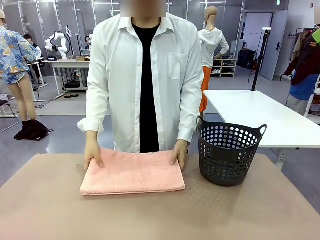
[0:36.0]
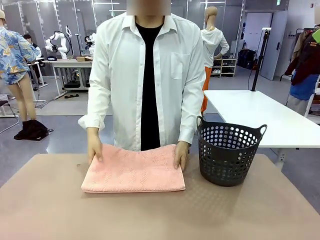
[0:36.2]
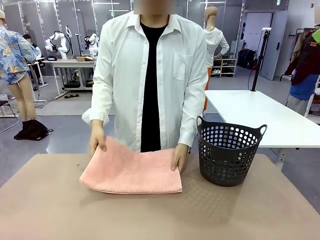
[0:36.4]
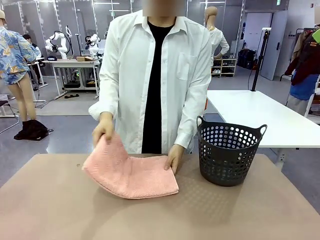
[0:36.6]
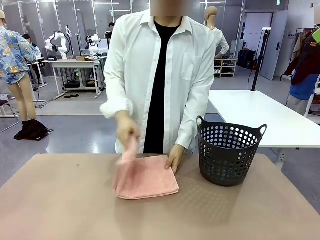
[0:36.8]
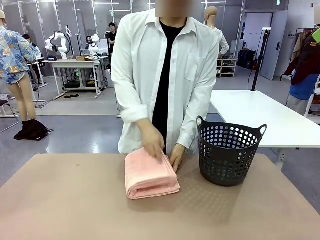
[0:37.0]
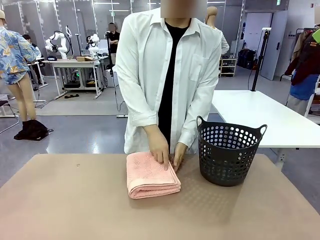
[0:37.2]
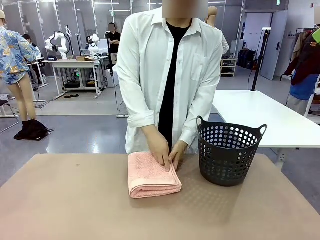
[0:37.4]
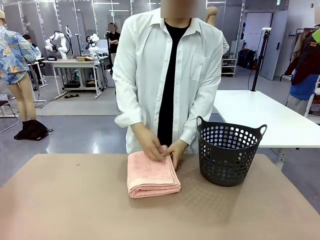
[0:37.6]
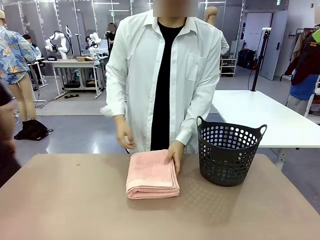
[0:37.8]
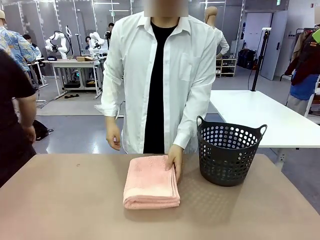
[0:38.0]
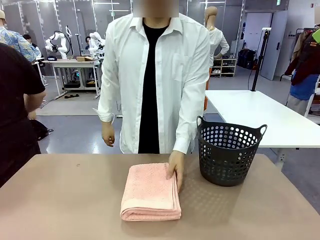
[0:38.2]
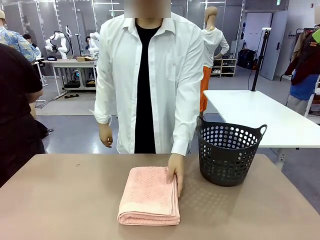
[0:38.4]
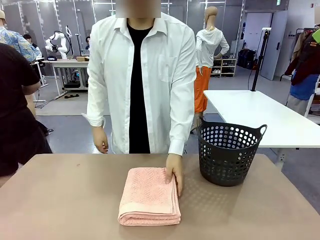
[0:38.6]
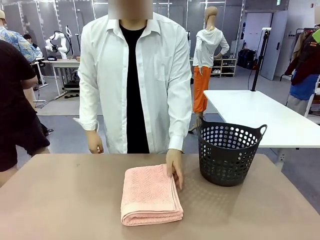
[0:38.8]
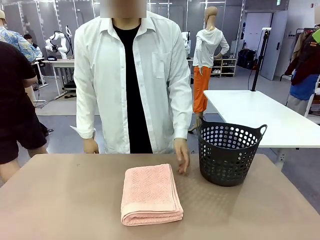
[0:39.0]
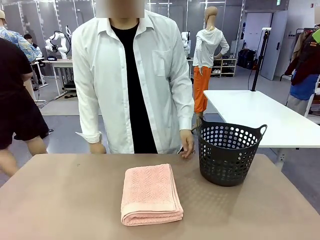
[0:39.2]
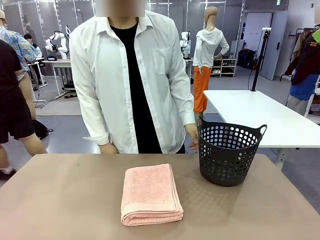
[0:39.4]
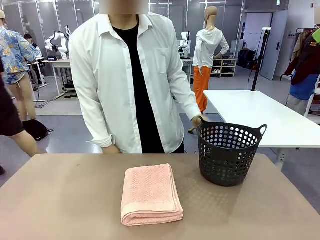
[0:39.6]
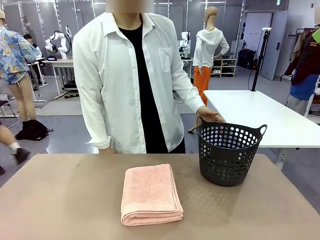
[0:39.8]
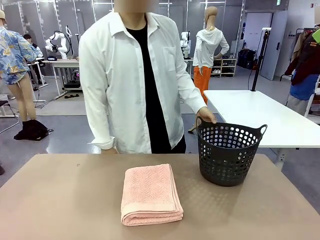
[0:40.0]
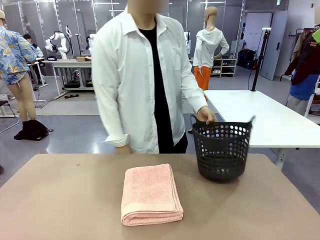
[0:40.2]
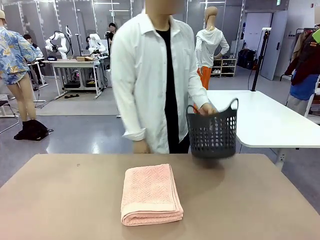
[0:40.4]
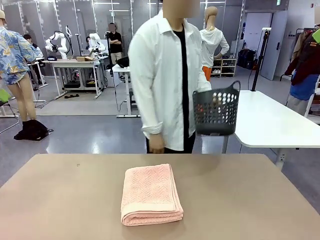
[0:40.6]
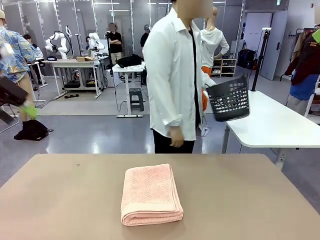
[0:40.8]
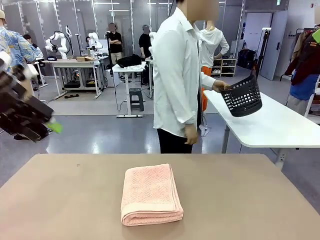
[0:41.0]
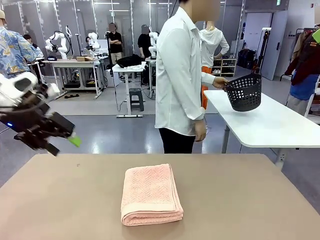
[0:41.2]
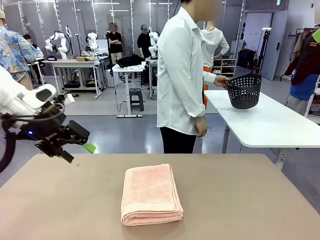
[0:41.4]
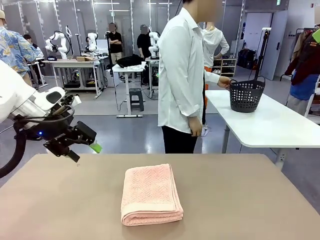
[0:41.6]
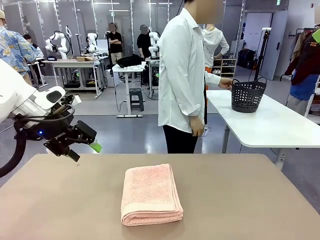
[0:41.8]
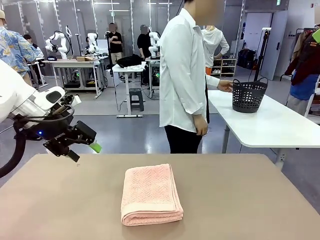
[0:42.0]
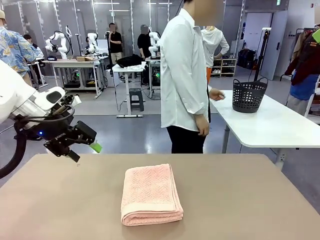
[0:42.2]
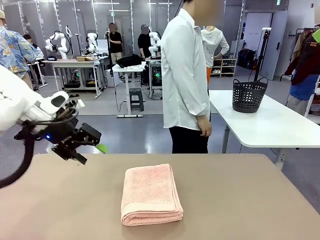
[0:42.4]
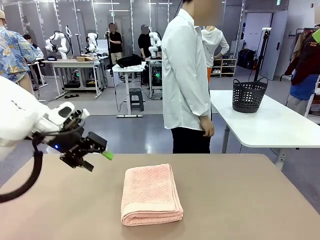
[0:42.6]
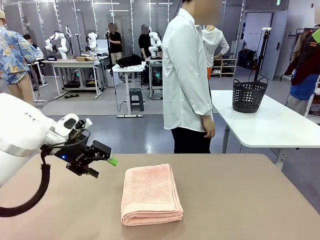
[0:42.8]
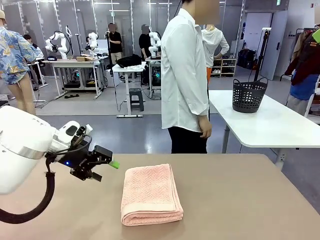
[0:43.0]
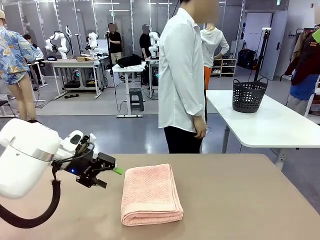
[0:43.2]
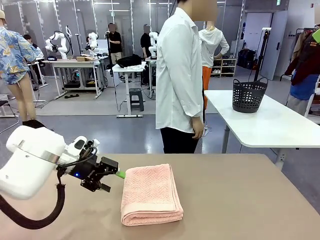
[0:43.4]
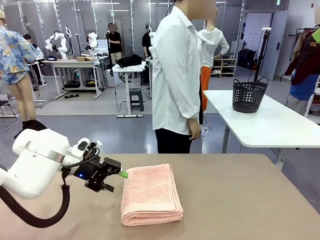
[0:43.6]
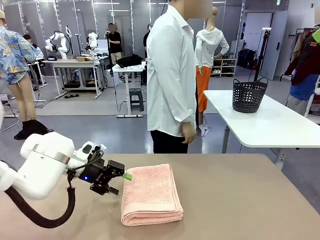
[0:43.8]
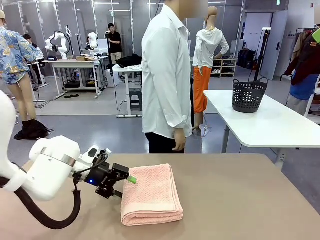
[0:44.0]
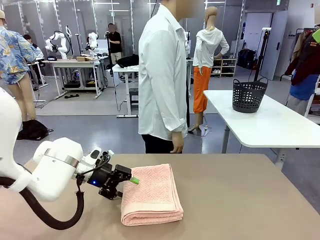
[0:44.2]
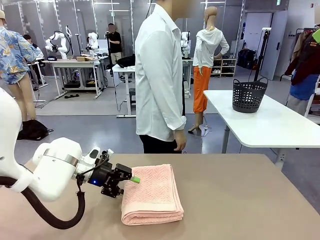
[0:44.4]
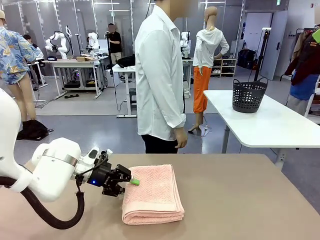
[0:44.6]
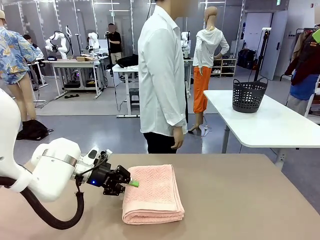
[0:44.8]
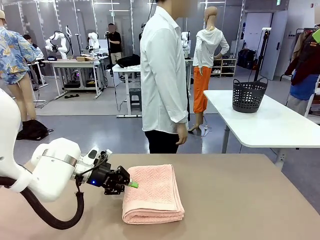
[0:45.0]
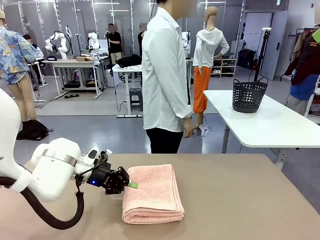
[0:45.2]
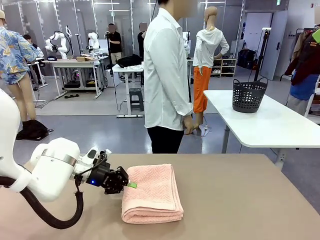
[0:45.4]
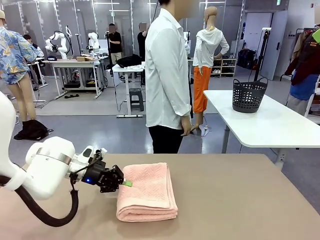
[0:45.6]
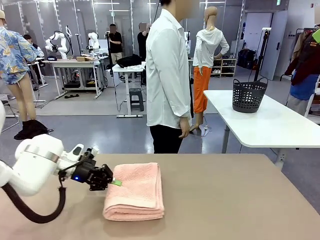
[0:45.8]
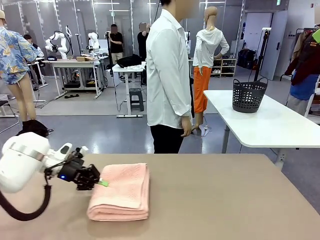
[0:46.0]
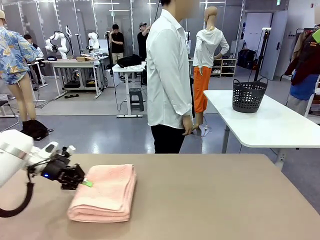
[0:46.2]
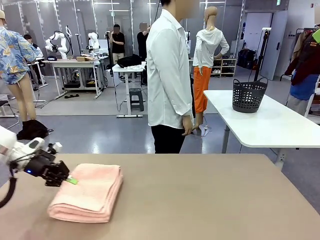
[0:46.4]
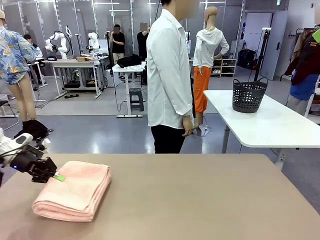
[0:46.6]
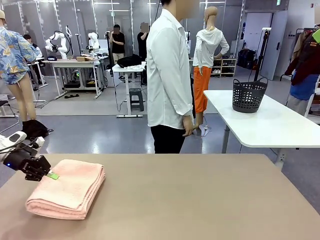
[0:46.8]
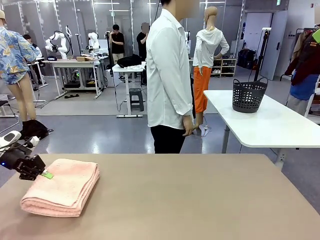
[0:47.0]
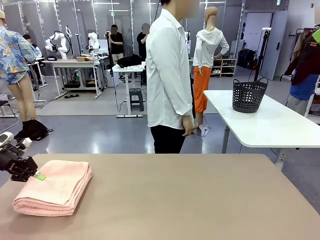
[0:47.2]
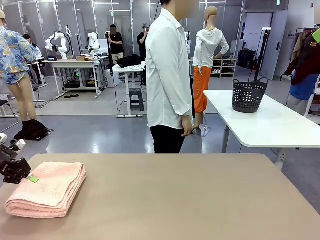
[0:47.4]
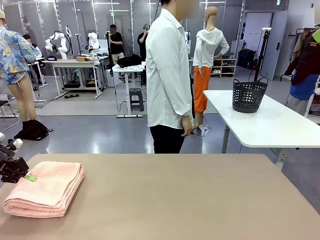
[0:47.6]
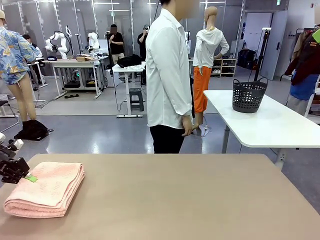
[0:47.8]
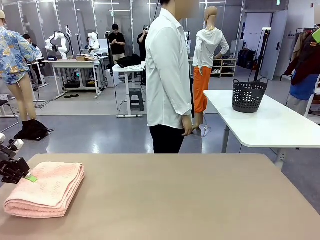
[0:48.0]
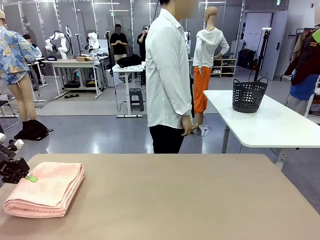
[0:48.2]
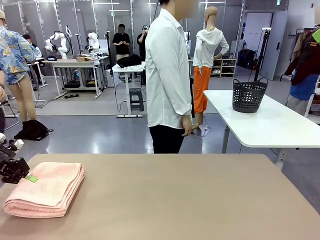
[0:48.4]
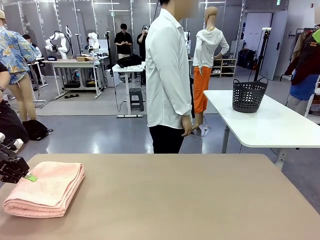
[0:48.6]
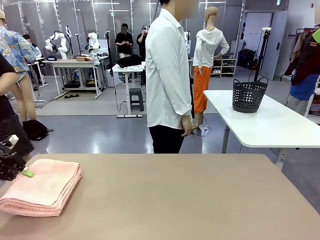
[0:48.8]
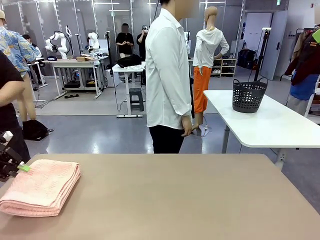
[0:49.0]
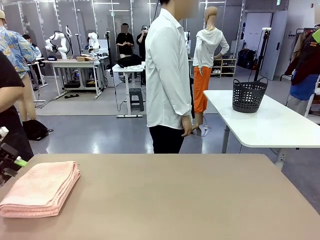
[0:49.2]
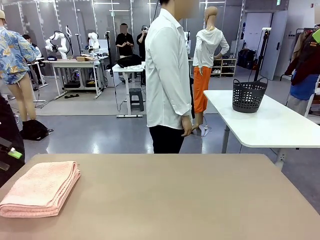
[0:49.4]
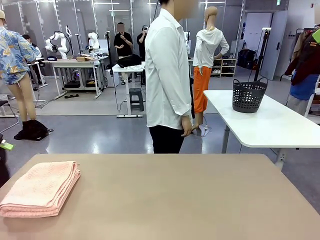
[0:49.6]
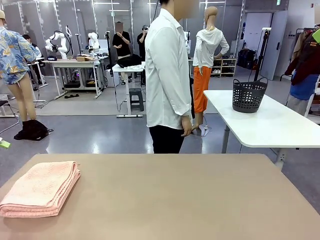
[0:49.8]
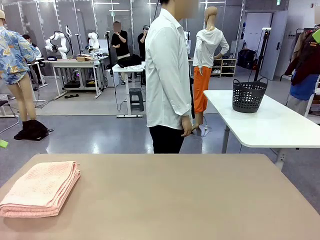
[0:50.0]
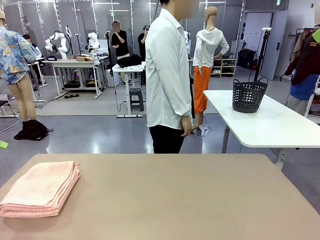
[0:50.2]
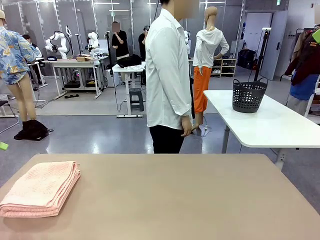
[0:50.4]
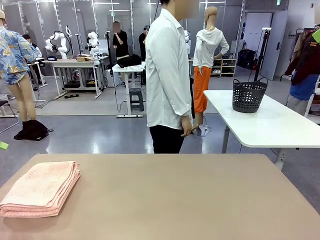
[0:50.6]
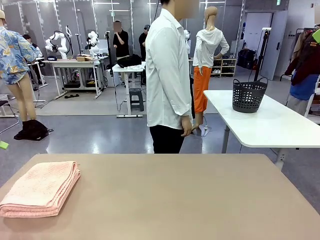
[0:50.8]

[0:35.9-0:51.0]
Task: Fold the towel.
Robot: Pick up the 100 cm Hotel Towel and place it on the left side of the table.
Person: Pick up the laundry basket and place it at the center of the human table.
